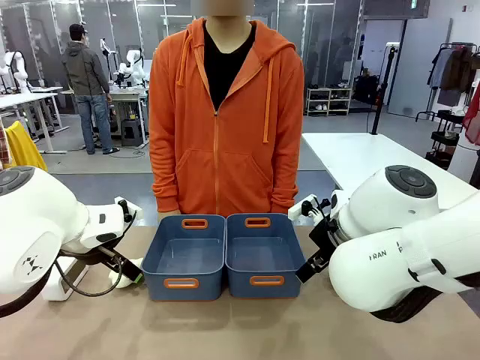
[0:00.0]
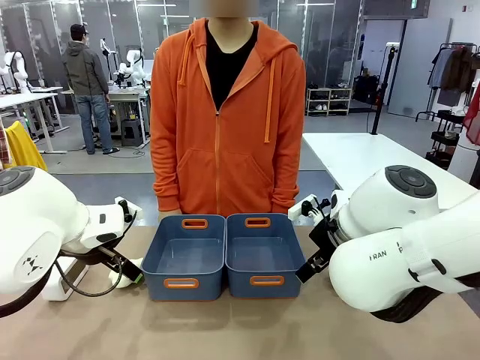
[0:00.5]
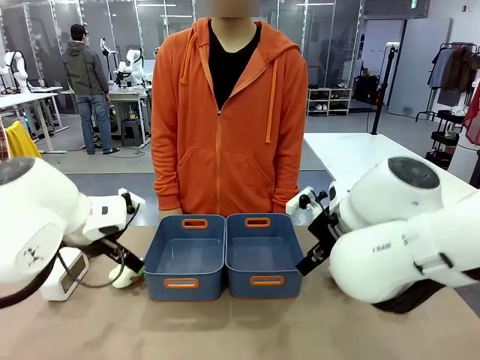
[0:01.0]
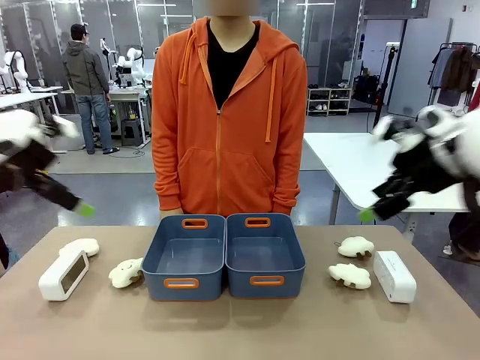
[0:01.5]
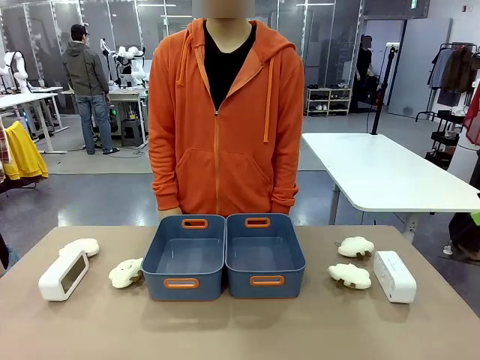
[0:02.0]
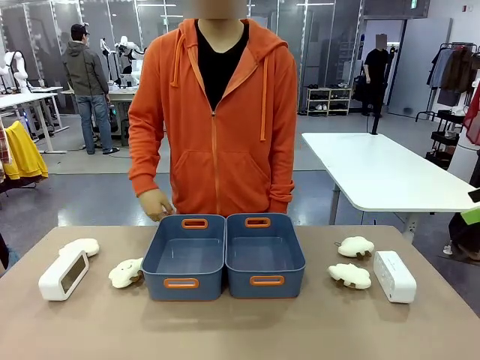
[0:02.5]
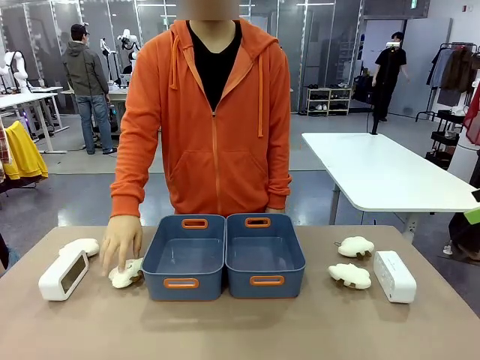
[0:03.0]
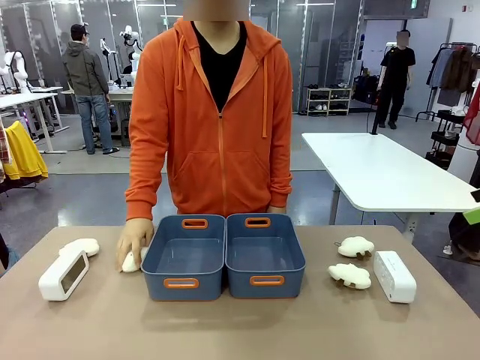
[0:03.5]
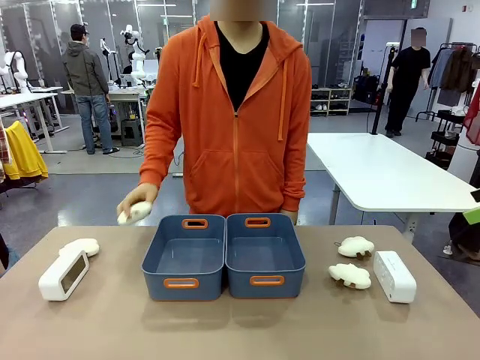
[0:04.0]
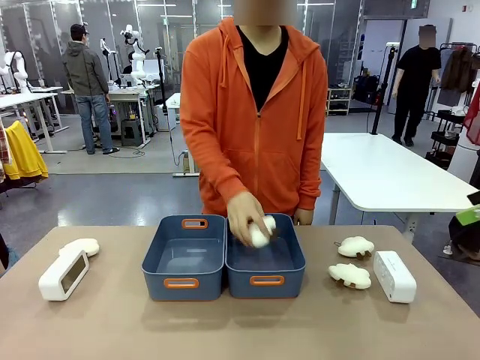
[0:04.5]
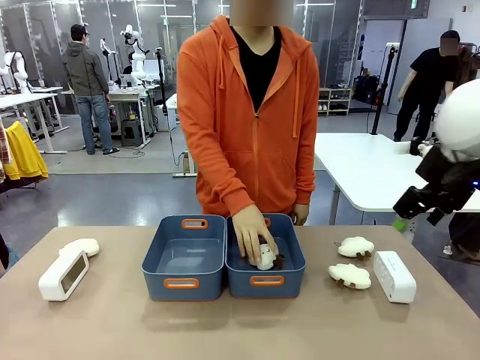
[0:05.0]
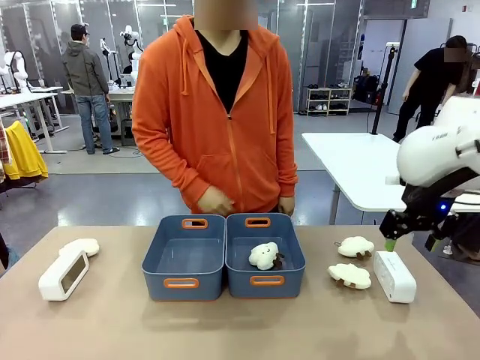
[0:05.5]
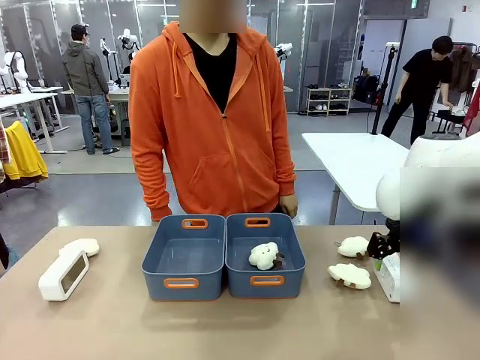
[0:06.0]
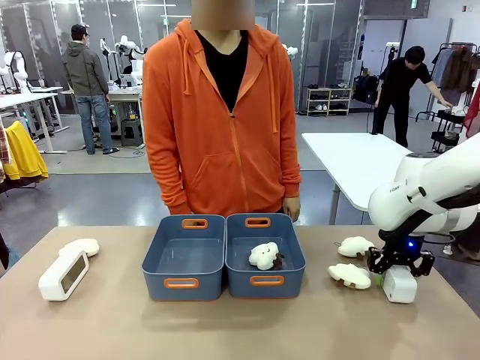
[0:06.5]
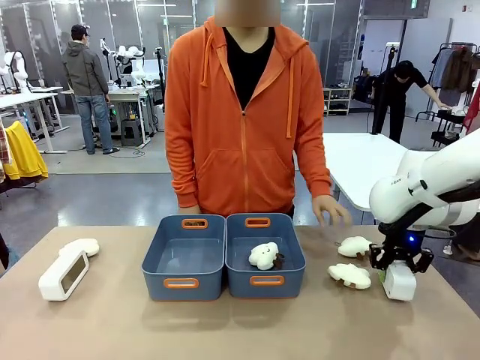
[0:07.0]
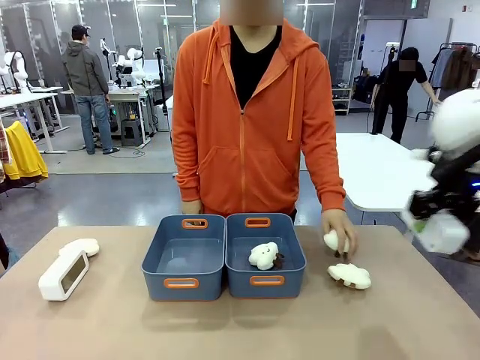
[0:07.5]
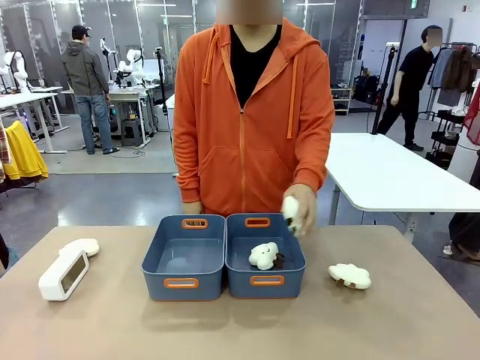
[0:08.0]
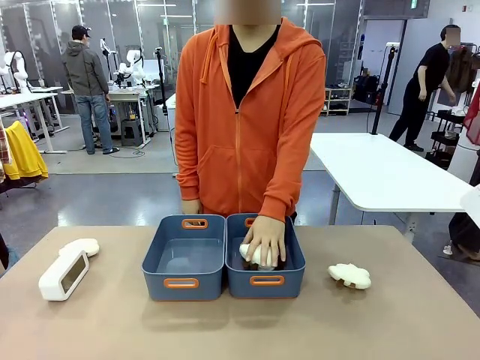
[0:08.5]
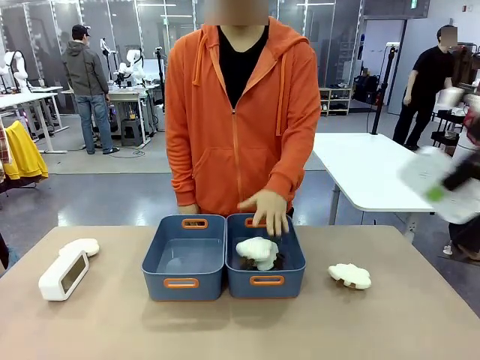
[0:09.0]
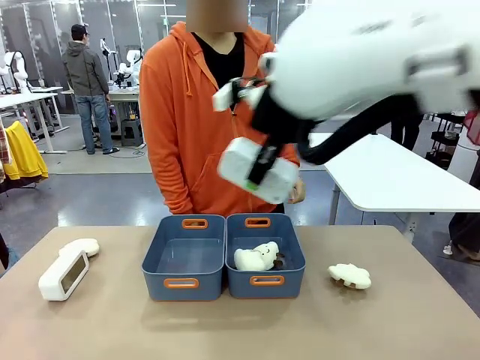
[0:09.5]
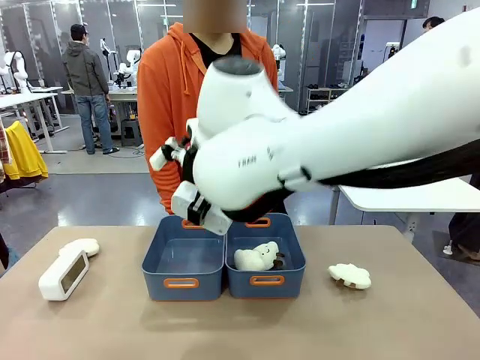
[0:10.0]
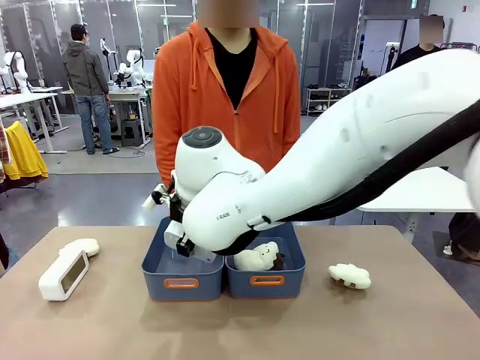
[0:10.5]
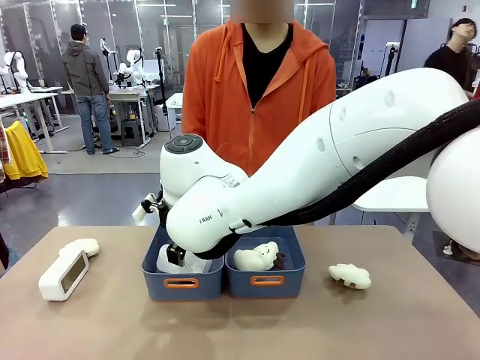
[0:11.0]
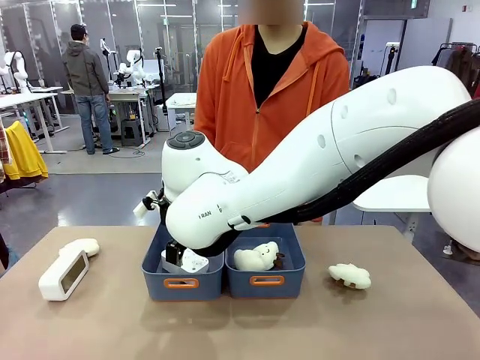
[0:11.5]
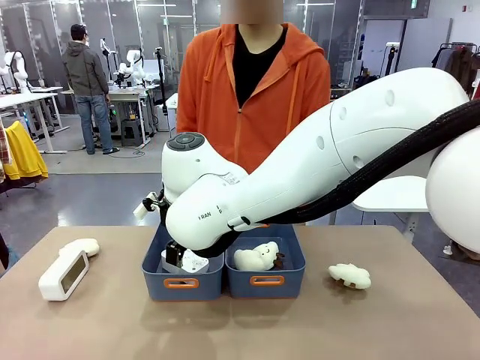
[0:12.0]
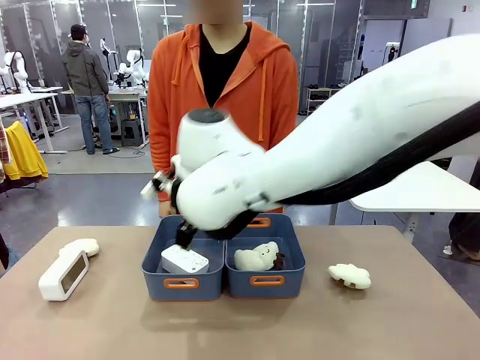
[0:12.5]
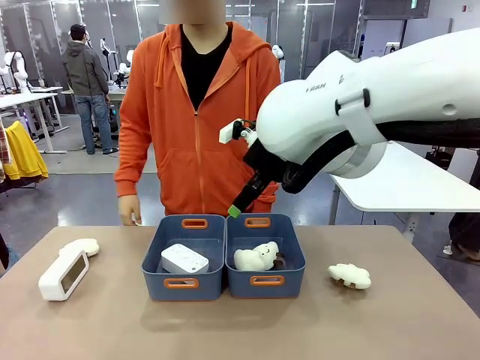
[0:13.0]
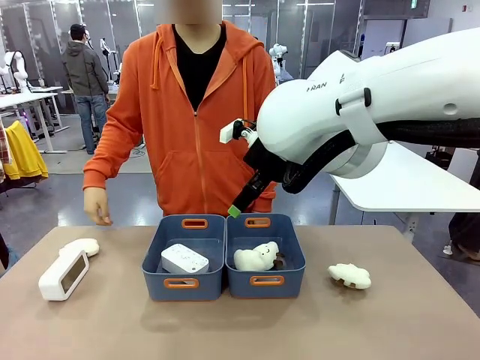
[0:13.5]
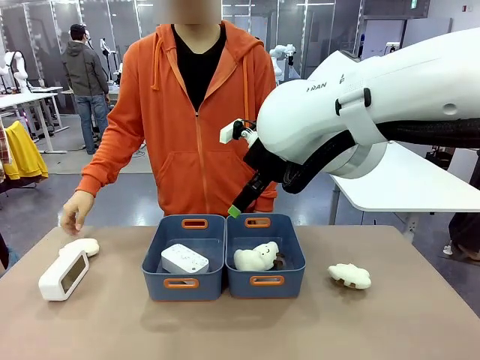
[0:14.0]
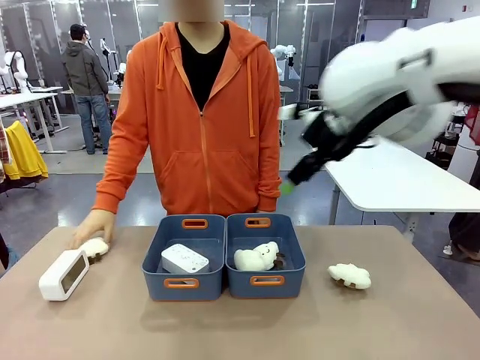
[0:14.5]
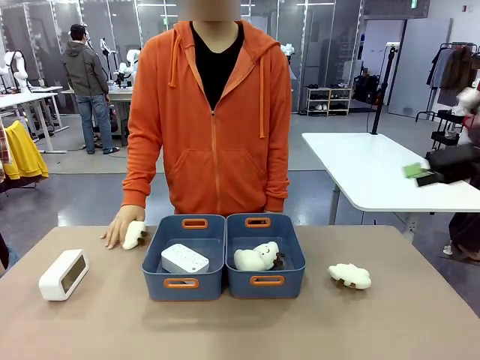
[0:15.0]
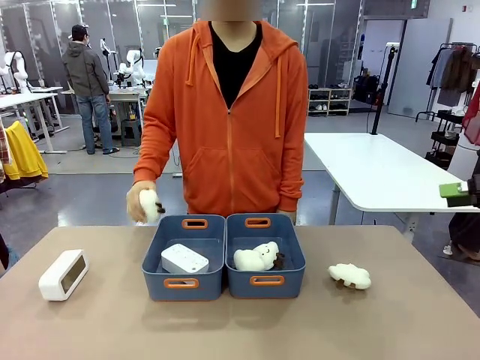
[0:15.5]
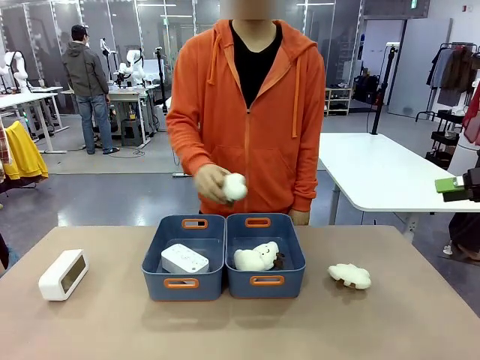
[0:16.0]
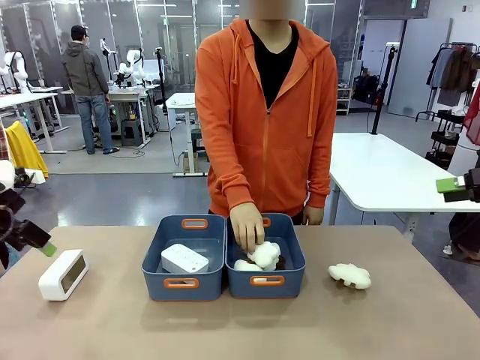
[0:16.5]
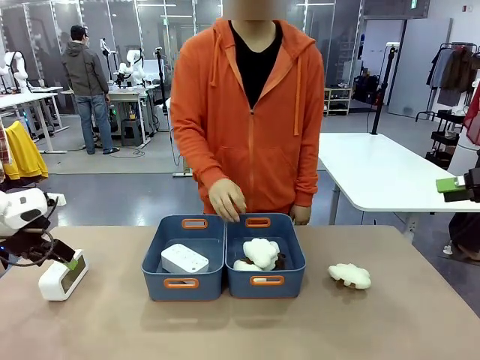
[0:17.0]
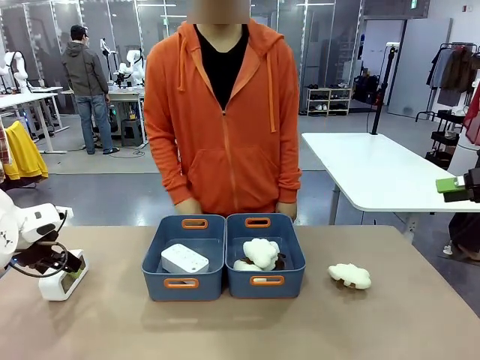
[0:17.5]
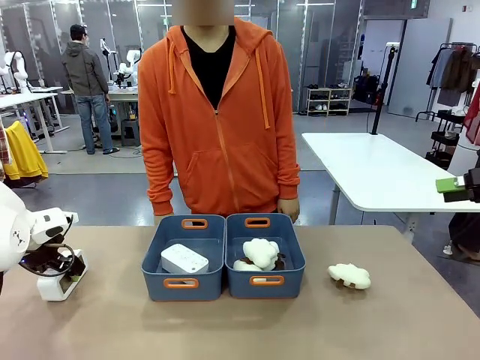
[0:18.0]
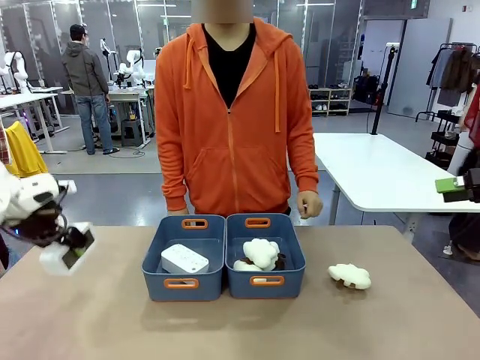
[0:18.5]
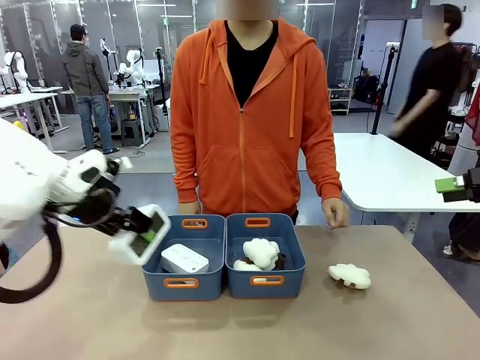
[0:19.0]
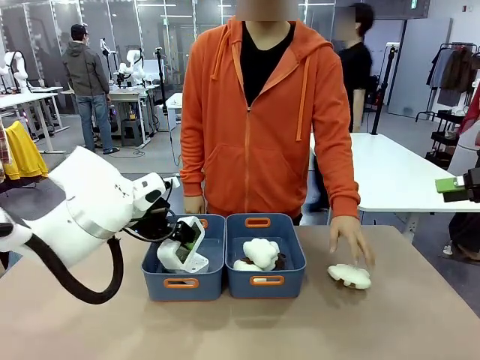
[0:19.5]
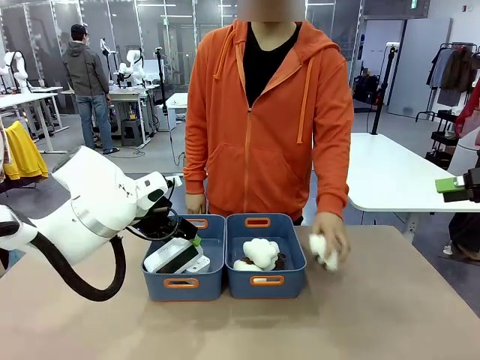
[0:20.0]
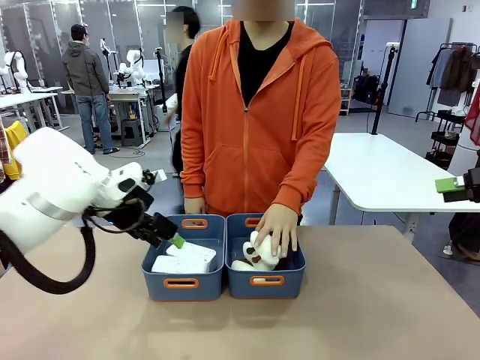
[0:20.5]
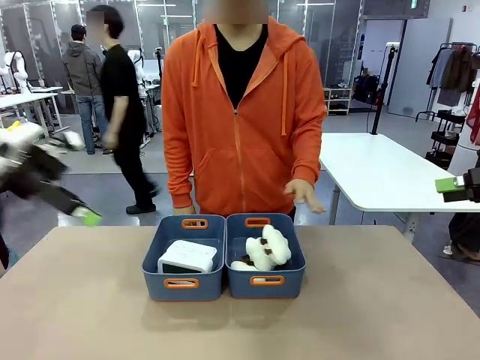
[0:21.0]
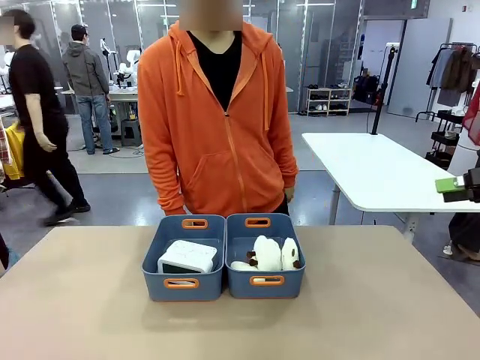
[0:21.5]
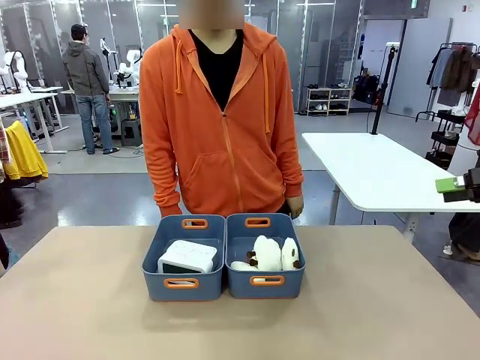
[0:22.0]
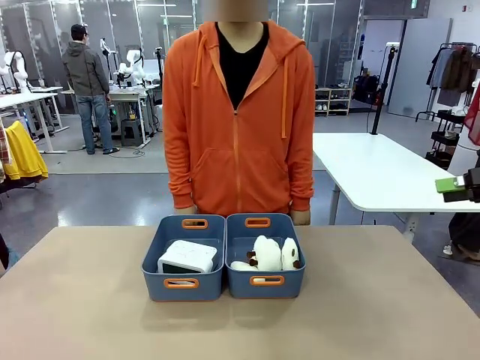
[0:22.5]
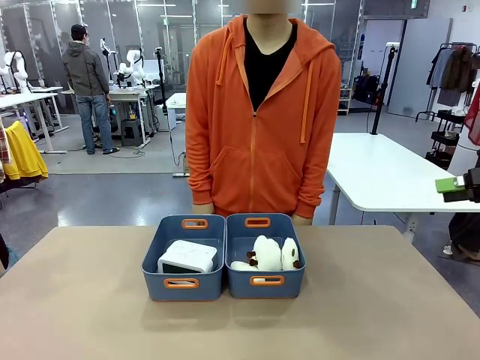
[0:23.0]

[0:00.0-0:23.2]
Task: Sort the digital clocks into the basket.
Robot: Pick up the Digital clock from the table and place it into the empty Plastic storage basket.
Person: Pick up a plush toy from the table and place it in a plastic storage basket. Pick up a plush toy from the table and place it in the plastic storage basket containing the plush toy.
